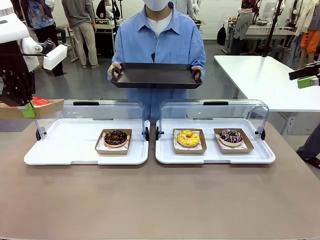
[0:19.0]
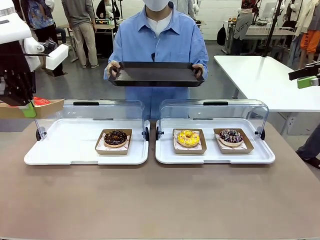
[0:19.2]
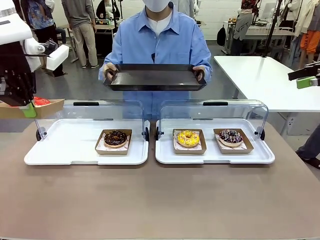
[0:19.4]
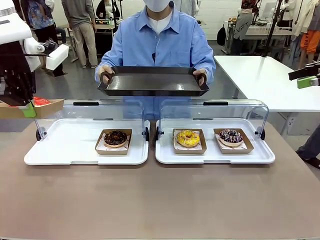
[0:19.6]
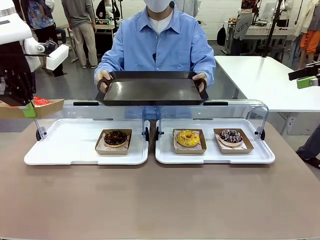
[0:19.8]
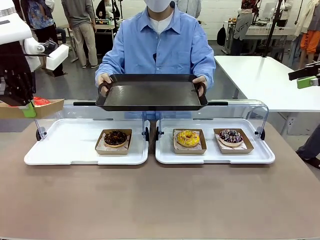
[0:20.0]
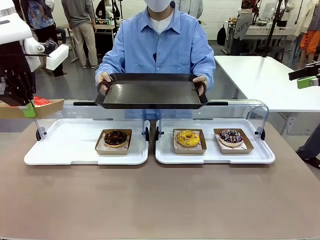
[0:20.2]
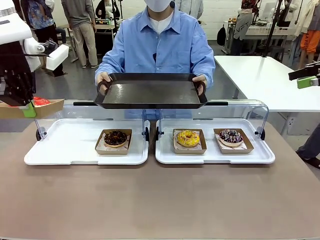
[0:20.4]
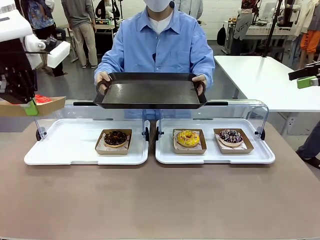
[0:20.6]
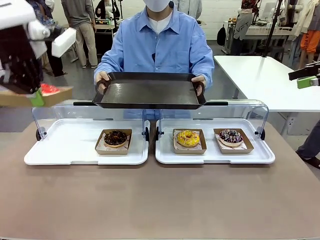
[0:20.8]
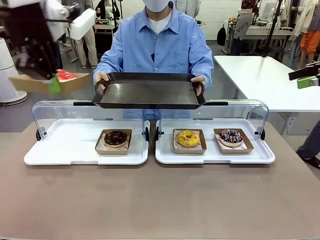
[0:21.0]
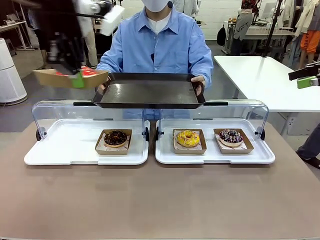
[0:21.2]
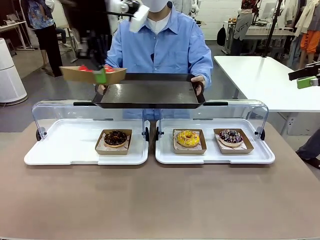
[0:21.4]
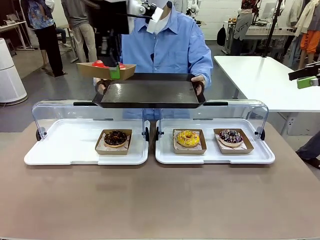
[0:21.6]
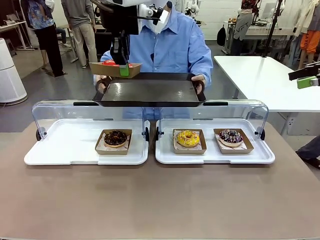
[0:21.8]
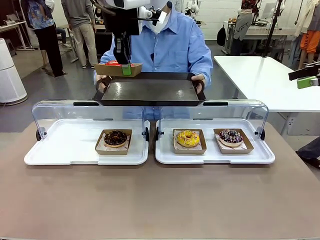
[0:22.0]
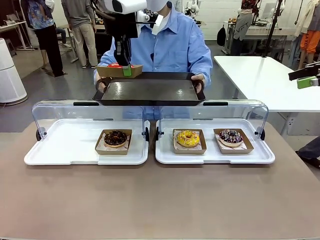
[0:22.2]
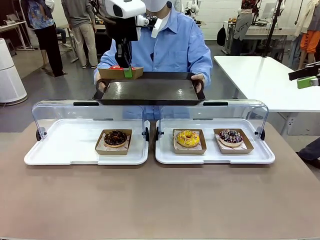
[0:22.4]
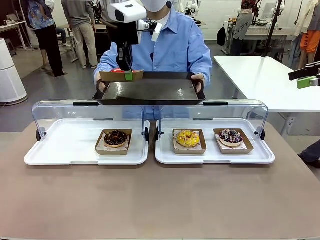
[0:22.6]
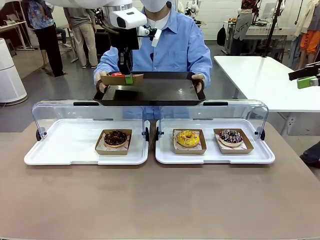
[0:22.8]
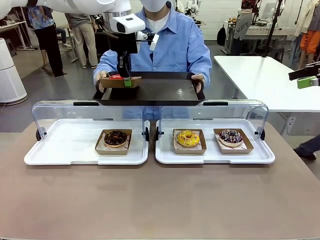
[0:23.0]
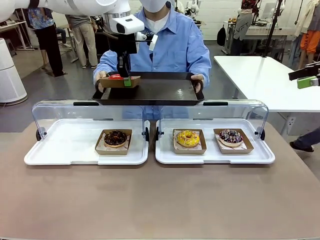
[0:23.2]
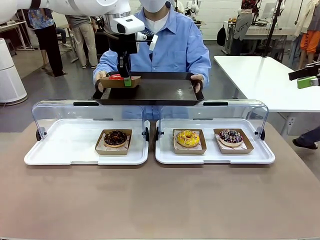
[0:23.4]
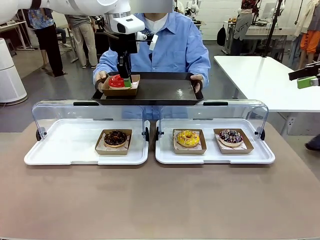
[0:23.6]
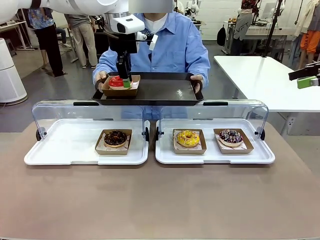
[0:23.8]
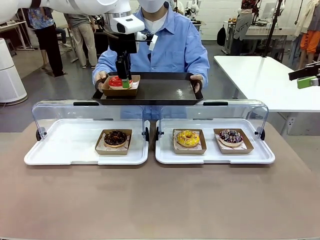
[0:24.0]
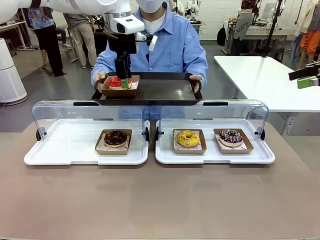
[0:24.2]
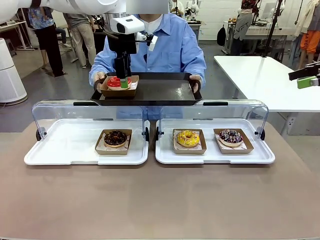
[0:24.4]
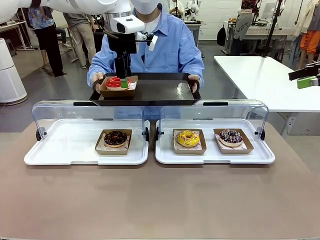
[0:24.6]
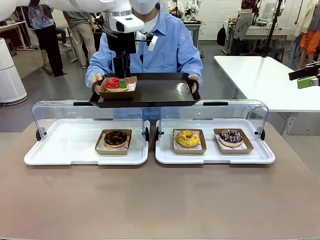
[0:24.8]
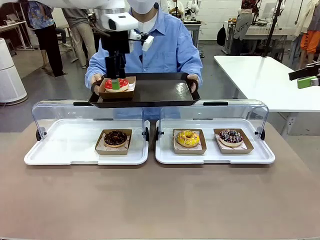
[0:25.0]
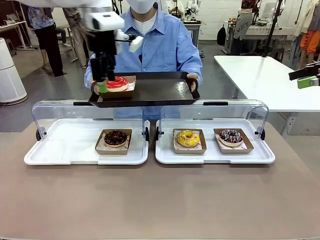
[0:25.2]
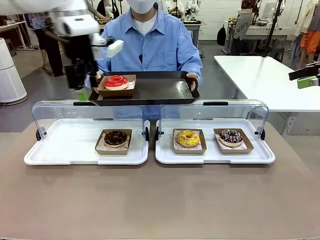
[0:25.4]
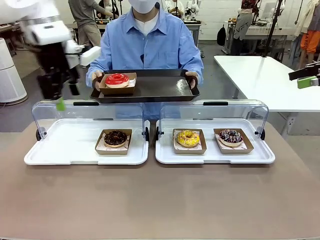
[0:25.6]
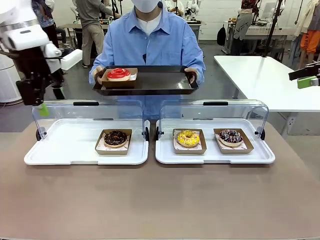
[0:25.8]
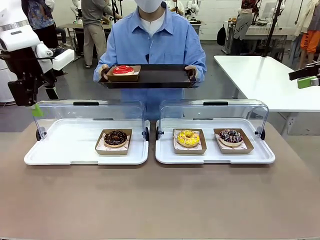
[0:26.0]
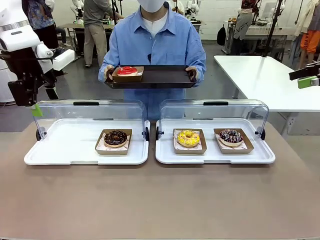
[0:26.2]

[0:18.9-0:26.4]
Task: Provide the desired donut to the person.
Robot: Place the picked Paper togo box onto the Handle tray extended by the person.

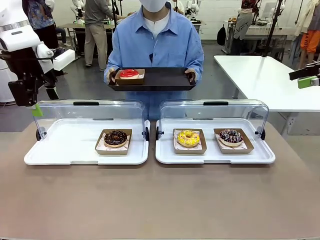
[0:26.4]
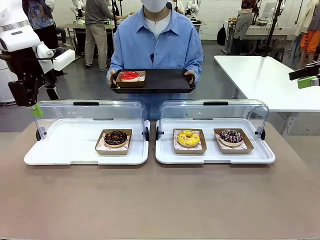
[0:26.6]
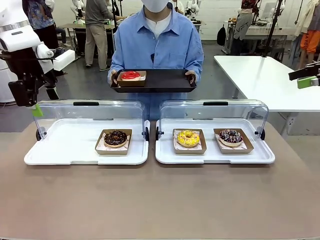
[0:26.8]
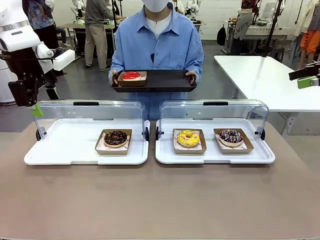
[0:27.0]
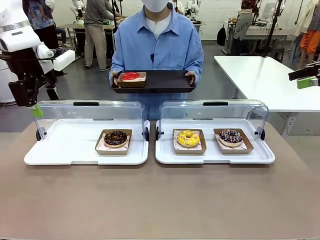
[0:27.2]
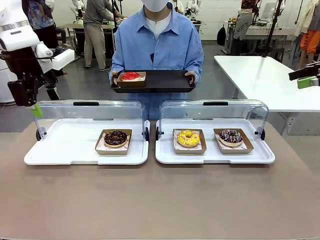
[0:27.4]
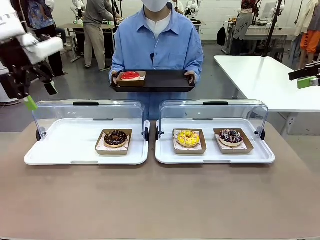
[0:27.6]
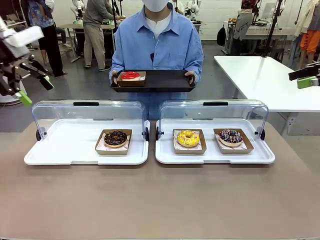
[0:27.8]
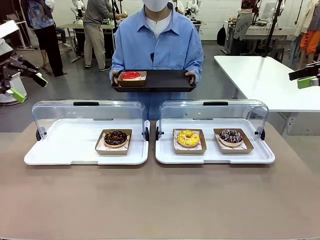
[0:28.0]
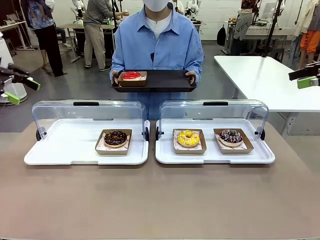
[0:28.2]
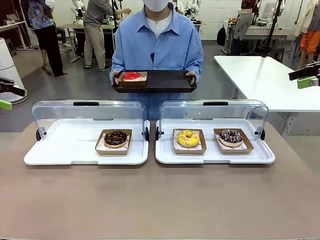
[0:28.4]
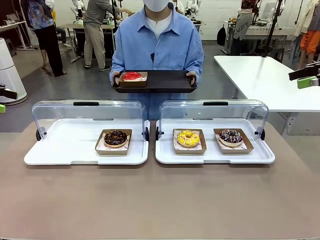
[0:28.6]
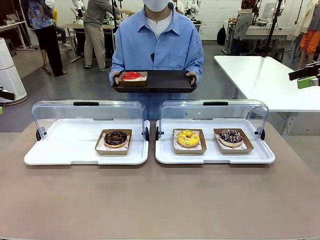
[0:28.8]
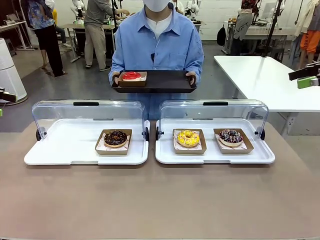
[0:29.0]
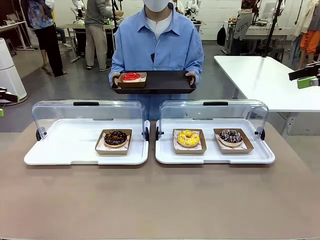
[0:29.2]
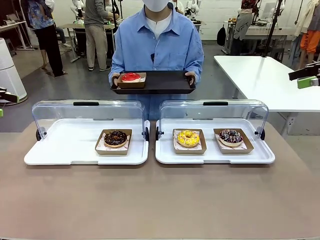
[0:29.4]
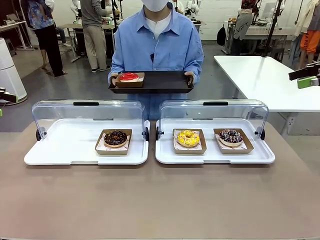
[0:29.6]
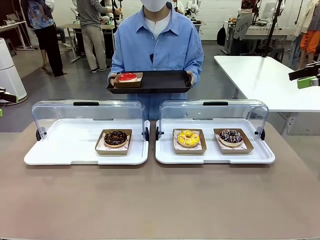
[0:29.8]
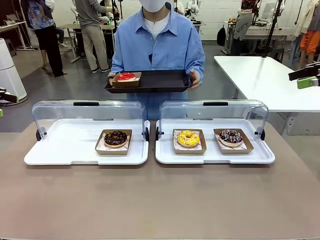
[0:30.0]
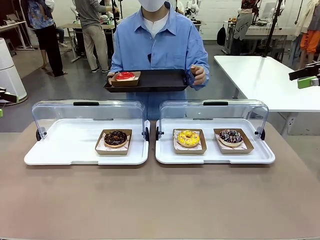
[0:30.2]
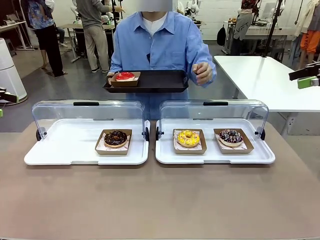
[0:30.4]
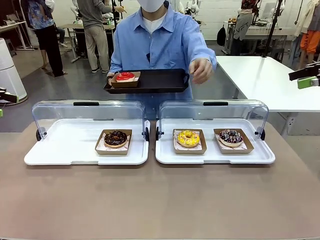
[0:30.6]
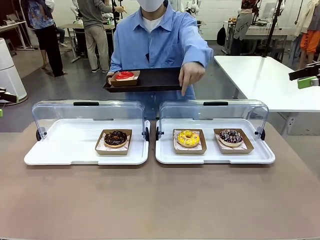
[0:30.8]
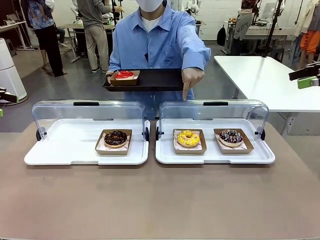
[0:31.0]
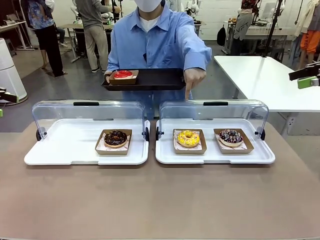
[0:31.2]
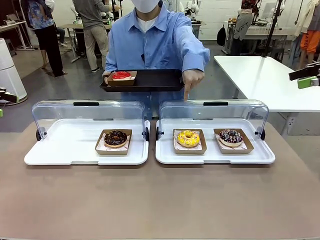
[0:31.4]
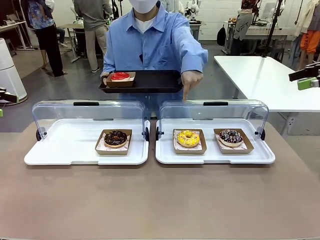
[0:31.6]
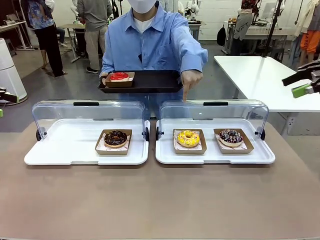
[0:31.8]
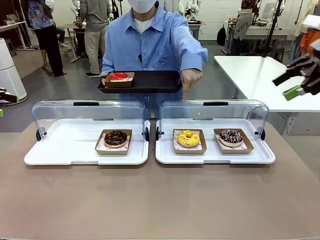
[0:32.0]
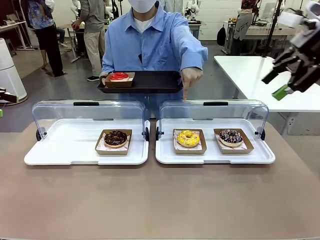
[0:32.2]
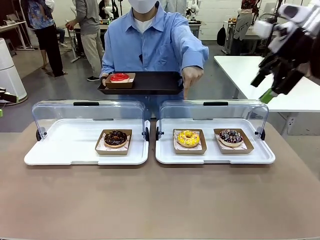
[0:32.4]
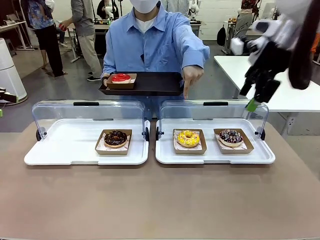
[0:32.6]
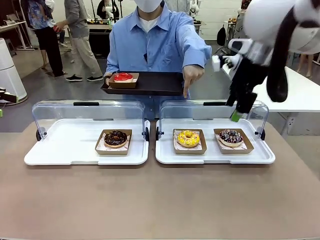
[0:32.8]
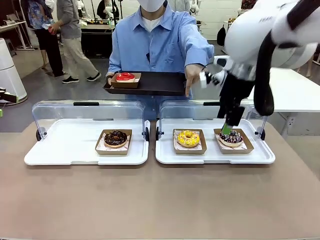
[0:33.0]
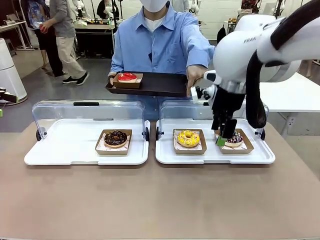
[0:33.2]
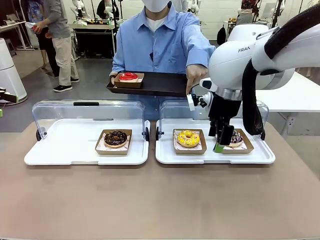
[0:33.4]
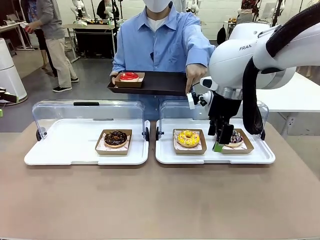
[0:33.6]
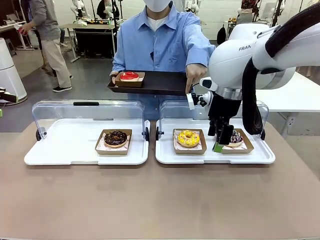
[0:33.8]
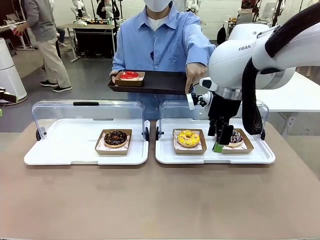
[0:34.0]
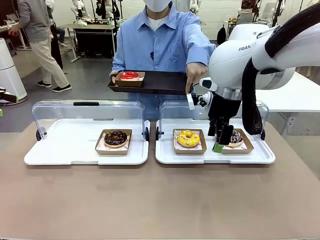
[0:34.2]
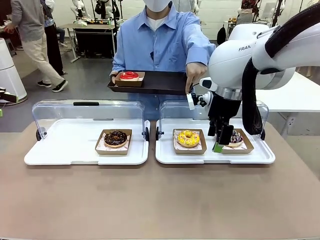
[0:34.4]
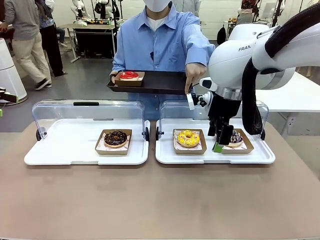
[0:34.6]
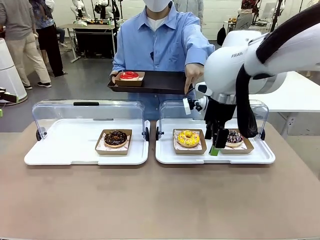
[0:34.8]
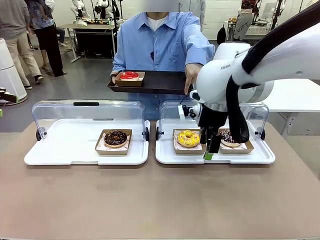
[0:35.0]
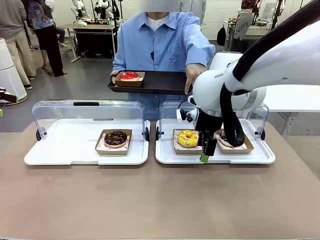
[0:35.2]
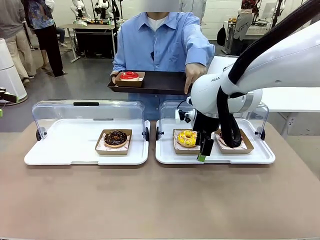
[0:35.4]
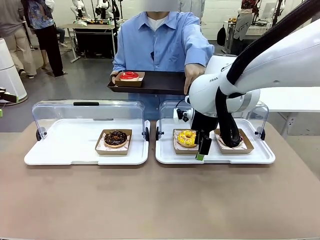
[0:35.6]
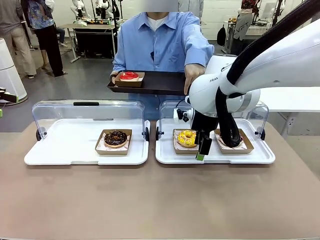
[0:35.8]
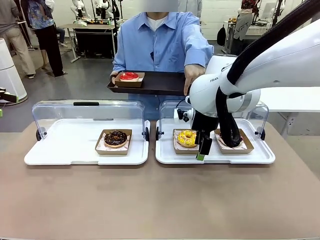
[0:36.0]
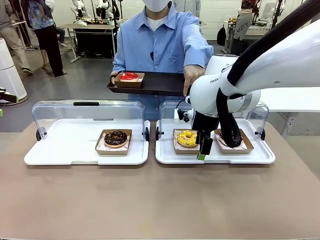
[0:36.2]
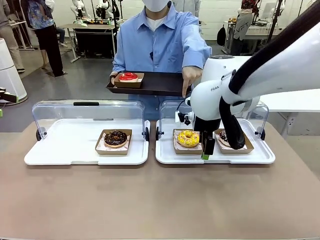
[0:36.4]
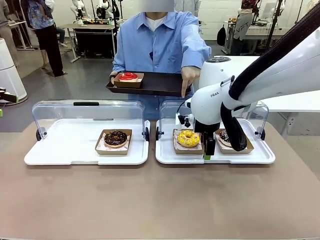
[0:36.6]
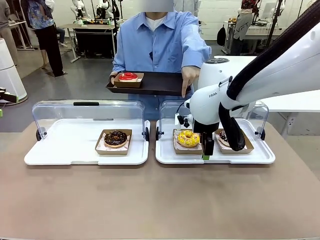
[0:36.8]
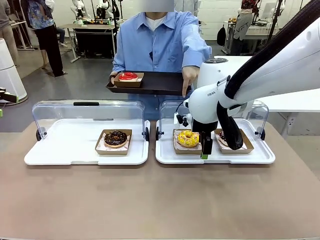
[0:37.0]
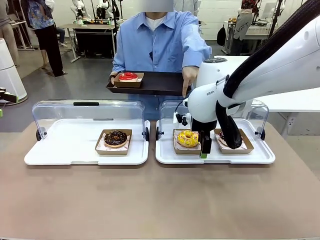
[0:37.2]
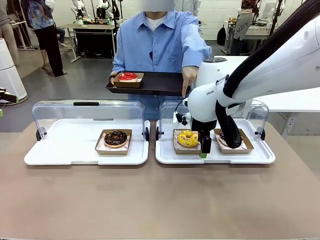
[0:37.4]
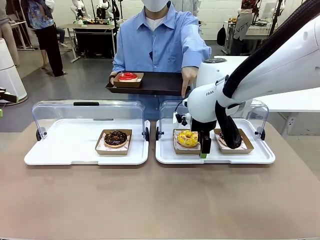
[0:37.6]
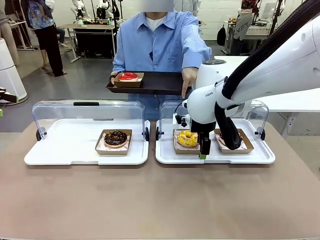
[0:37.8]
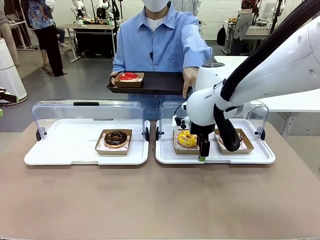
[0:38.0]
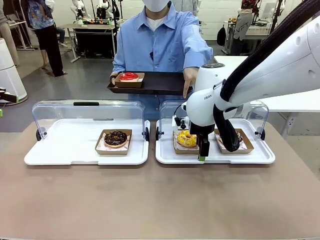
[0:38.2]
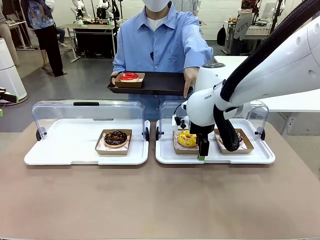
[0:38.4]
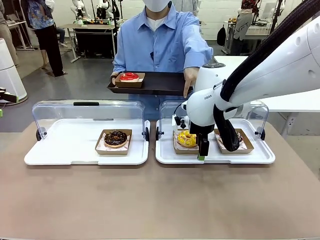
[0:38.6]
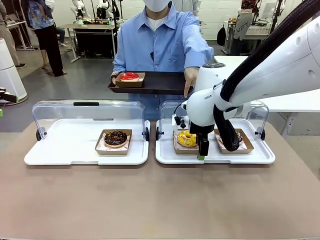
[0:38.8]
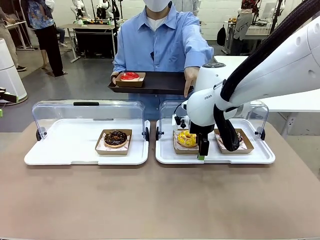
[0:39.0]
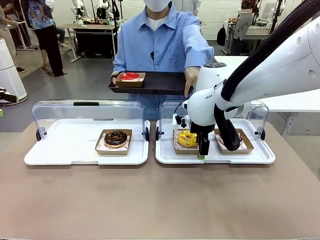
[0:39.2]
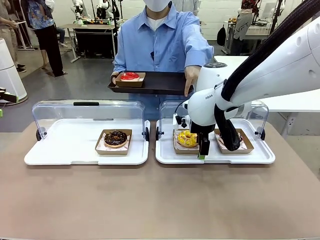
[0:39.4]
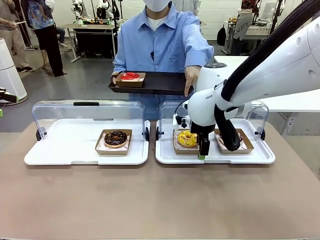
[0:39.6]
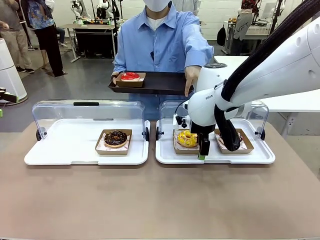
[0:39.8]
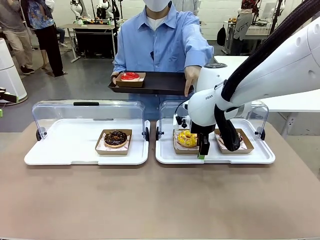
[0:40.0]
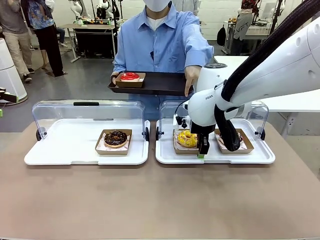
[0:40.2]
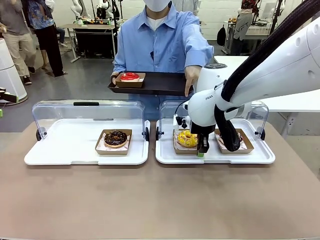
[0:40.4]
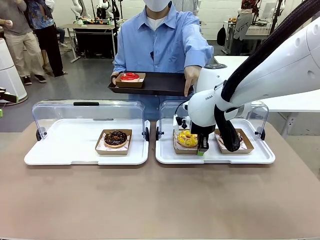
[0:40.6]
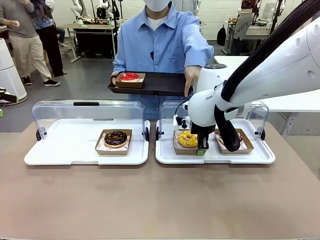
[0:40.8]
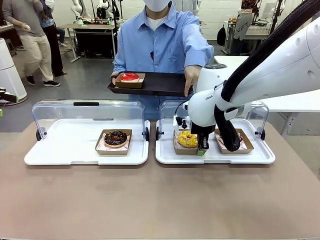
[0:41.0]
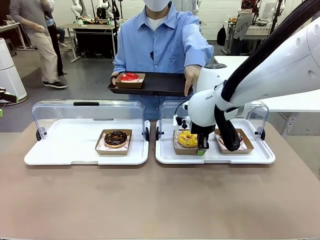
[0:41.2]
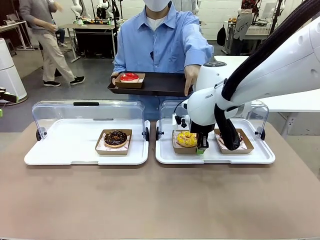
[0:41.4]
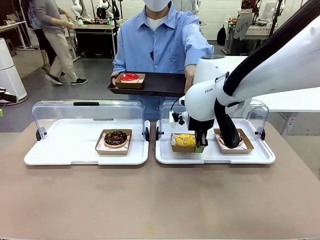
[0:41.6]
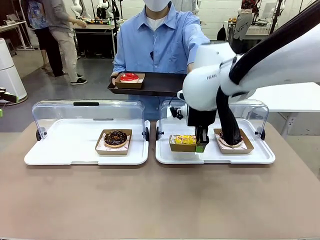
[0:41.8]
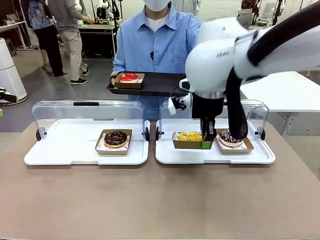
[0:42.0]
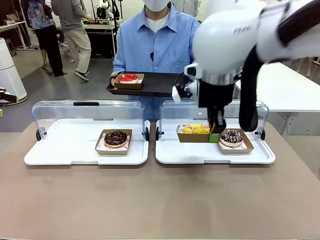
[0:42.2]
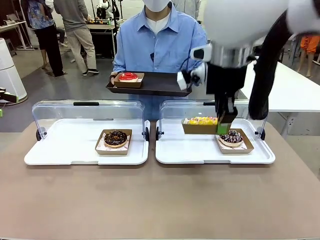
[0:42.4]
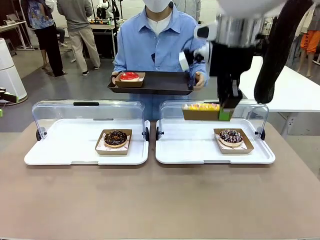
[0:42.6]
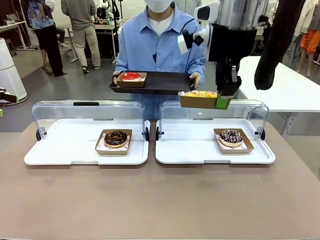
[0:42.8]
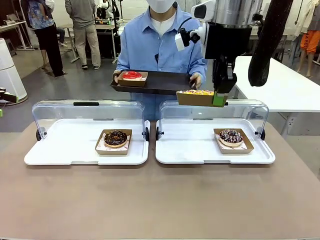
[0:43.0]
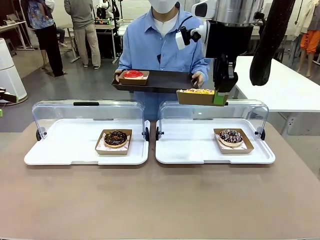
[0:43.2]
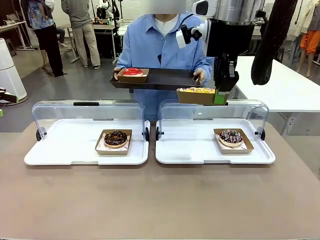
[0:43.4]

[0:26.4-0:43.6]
Robot: Pick up and lift the Paper togo box containing the Donut pointed at by the person.
Person: Point to one donut. Lift the tray onto the Roll-Top Bakery Case.
